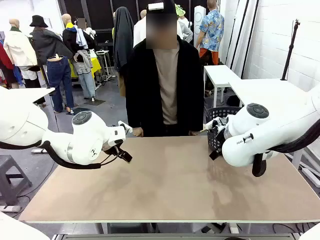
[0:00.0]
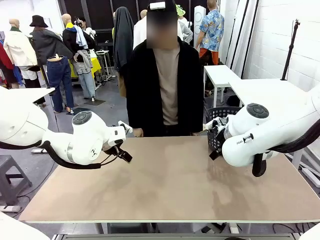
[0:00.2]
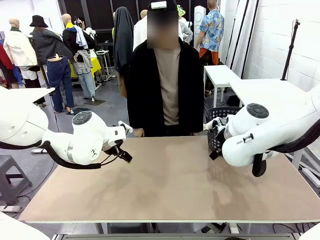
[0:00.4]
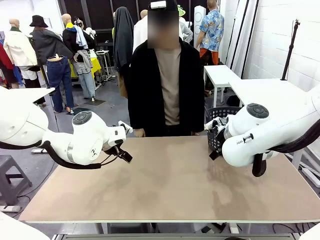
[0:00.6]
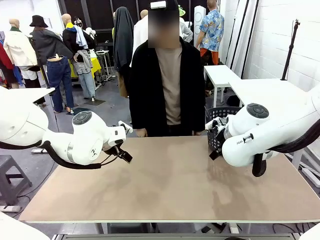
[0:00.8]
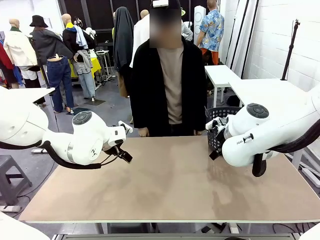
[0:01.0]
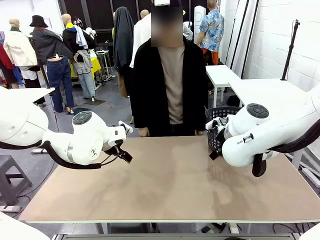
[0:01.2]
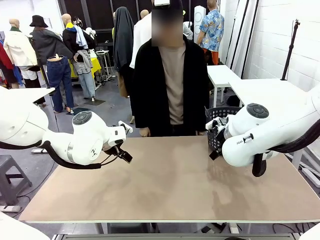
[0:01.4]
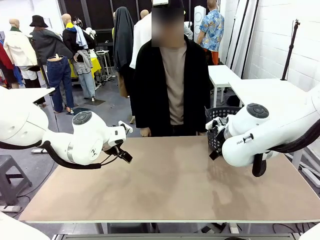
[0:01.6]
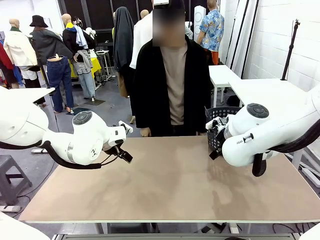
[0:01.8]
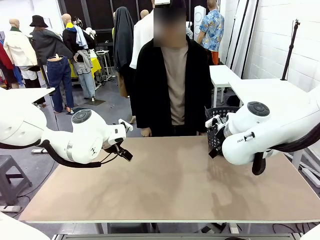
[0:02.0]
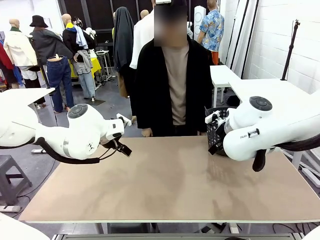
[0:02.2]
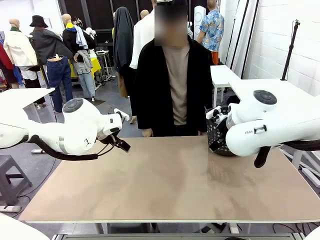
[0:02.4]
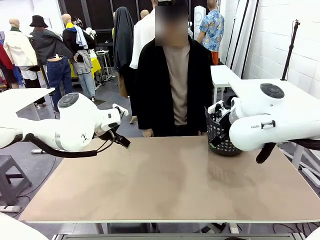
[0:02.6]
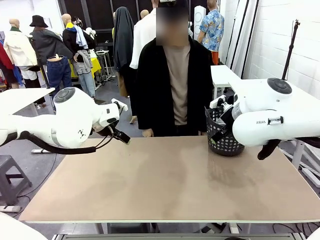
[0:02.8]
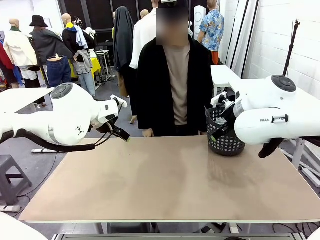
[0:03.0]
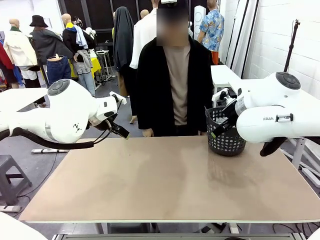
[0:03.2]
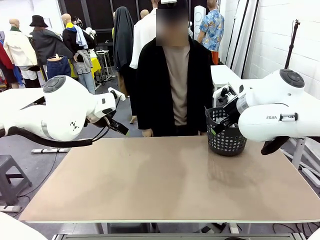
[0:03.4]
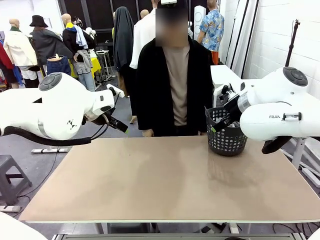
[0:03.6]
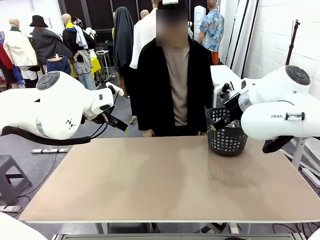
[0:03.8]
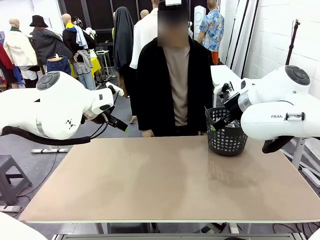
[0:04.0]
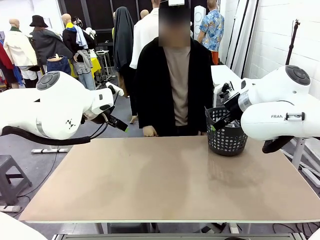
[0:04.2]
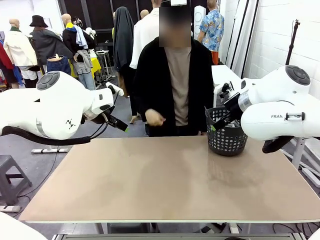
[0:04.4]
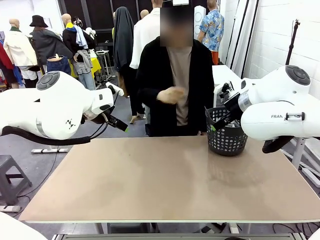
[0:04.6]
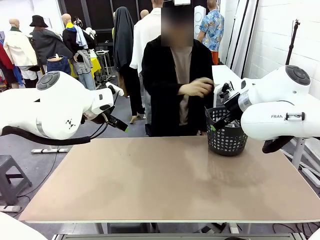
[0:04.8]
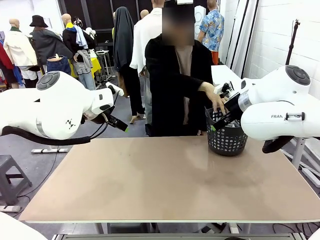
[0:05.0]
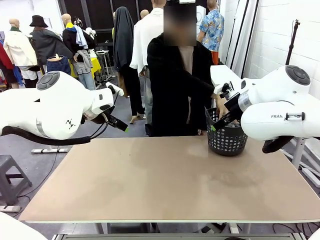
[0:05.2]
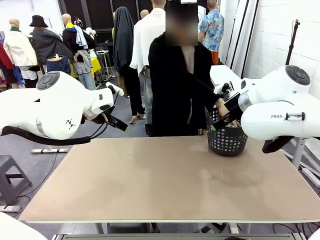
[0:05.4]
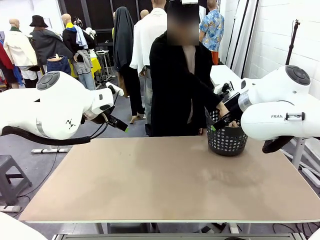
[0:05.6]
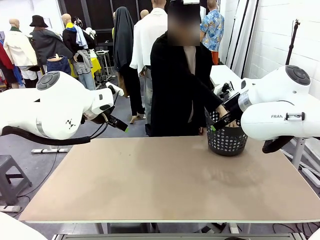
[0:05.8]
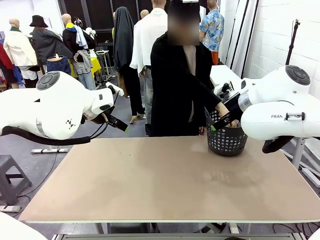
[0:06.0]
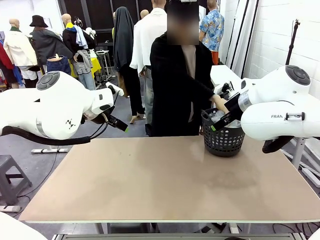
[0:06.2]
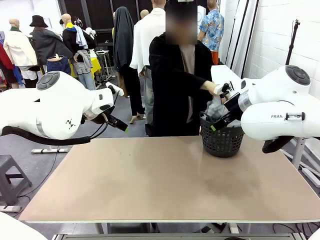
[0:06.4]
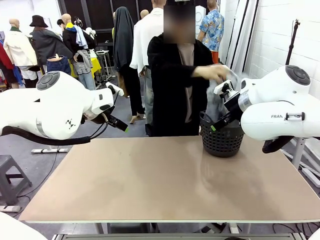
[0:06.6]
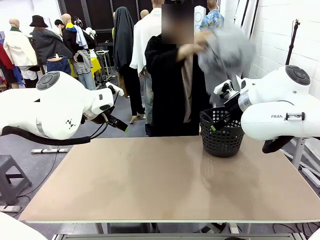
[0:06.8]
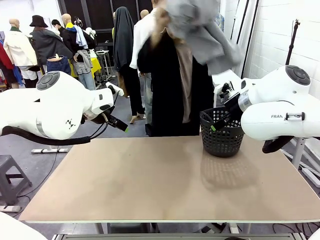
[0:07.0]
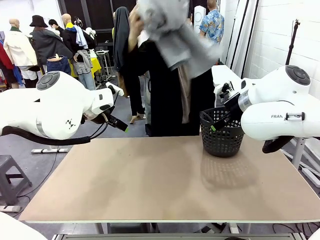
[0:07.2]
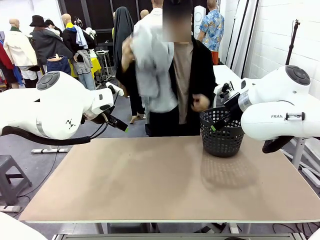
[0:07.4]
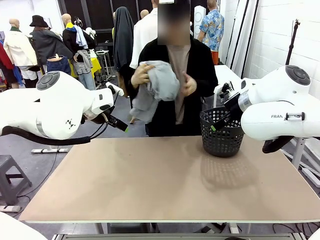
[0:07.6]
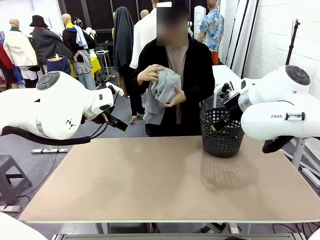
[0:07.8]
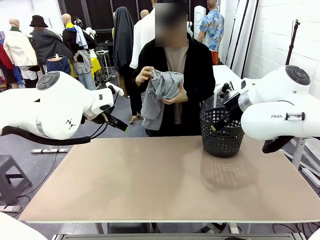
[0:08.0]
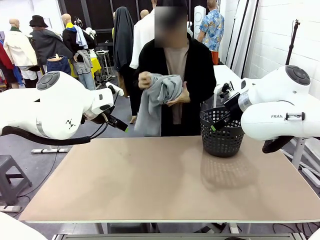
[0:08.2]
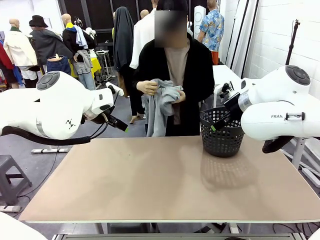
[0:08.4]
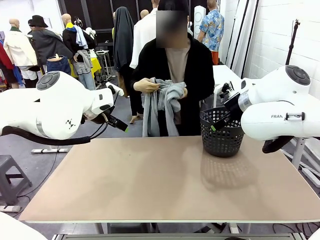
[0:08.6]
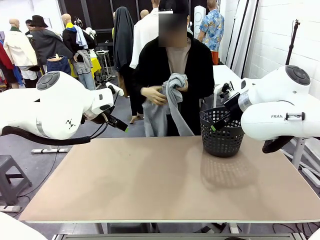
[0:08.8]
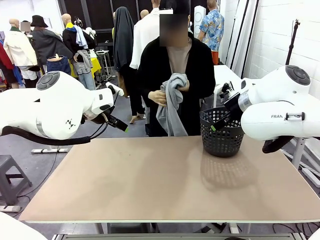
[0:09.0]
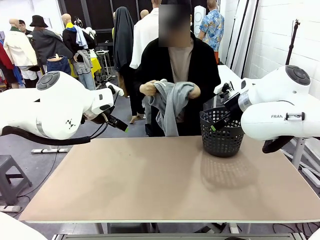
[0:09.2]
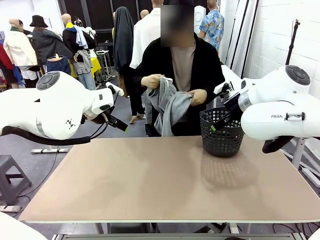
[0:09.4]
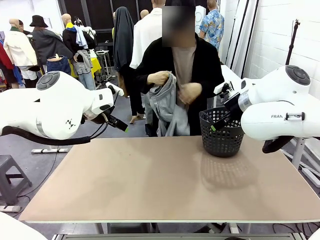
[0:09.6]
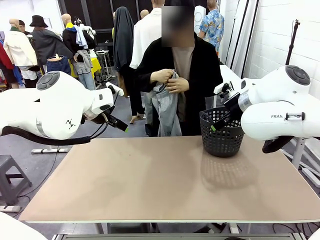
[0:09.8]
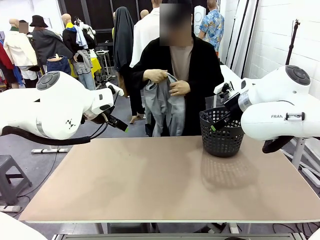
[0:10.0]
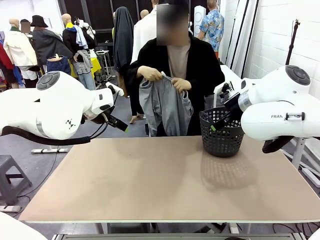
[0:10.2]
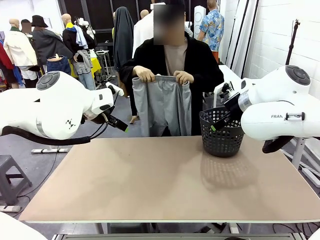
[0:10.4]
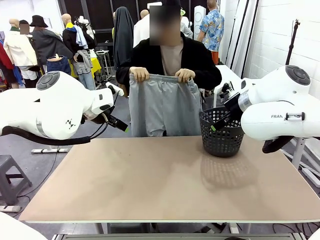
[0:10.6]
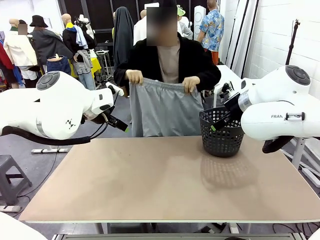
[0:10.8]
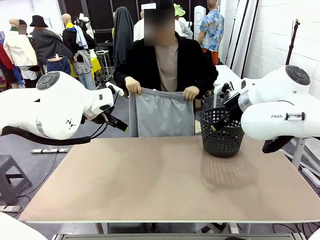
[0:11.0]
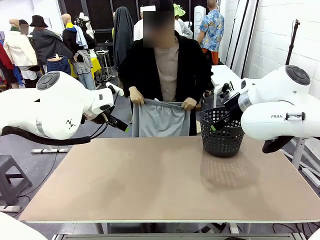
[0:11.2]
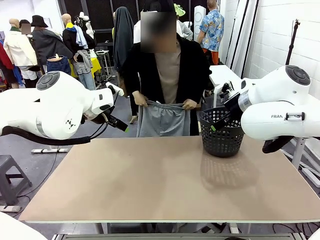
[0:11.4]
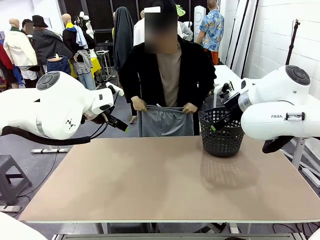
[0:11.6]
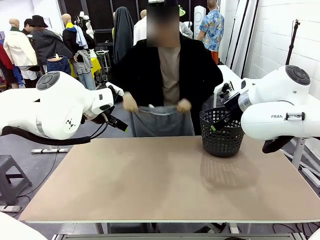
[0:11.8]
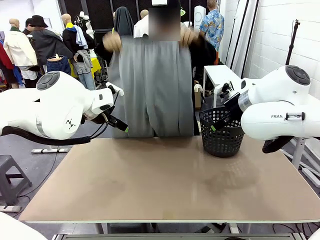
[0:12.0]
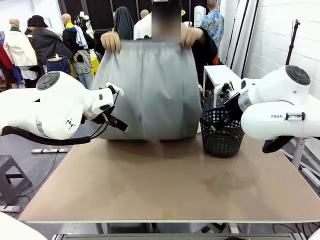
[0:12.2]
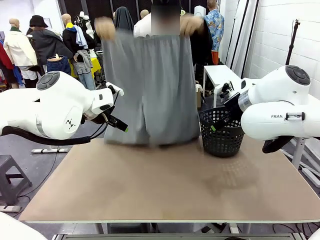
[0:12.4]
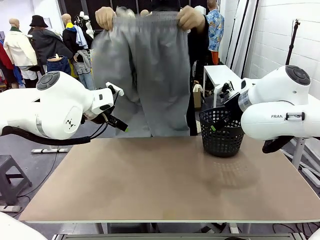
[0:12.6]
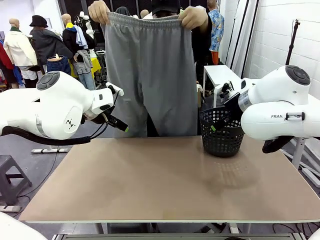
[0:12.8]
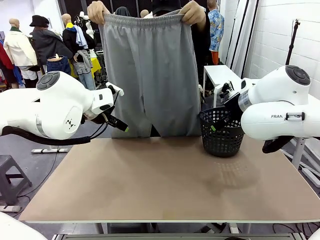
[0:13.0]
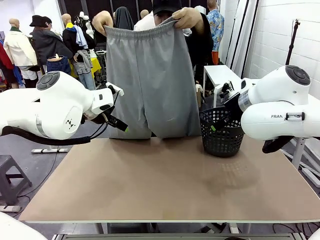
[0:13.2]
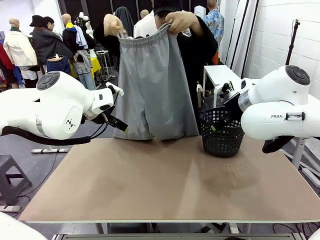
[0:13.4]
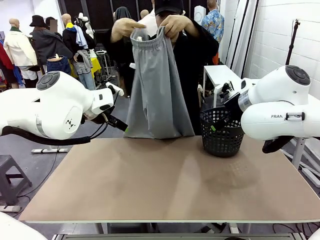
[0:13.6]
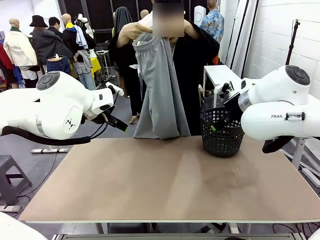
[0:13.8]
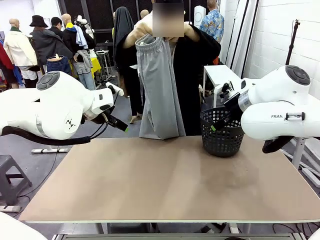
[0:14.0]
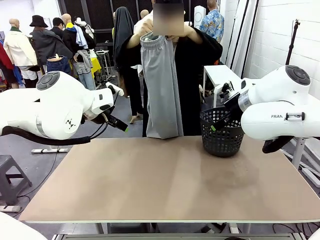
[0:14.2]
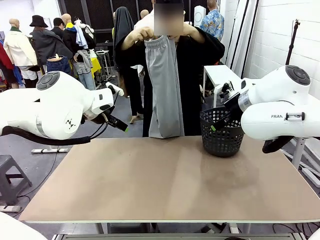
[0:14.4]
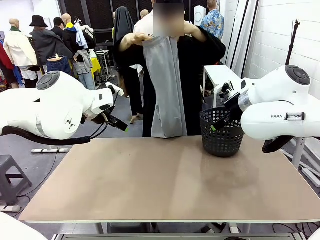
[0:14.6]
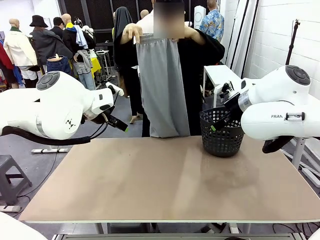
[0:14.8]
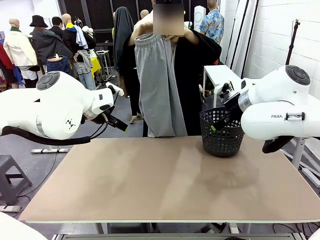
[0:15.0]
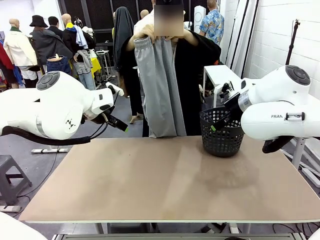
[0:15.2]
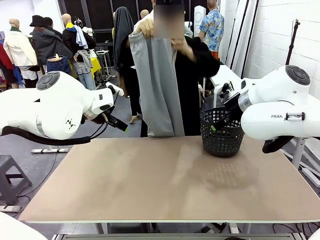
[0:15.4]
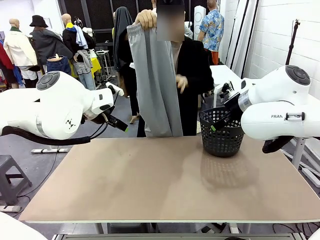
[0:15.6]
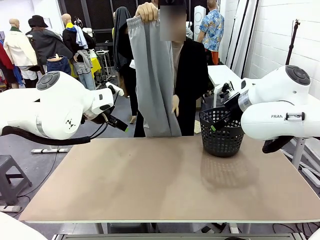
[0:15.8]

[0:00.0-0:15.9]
Task: Fold the training pants.
Robot: Grab both ends of the Training pants handed by a person.
Person: Take the long pants out of the laundry basket, unfold them, fold the waist in half, and extend them so the robot can pick up both corners.
